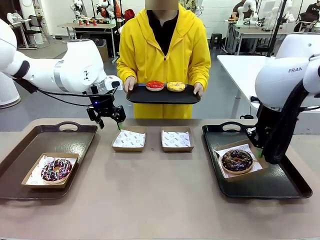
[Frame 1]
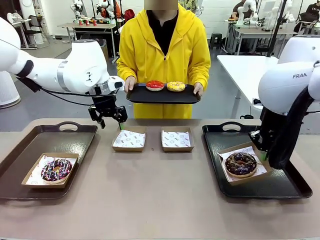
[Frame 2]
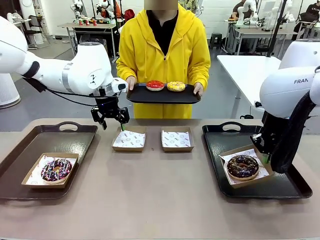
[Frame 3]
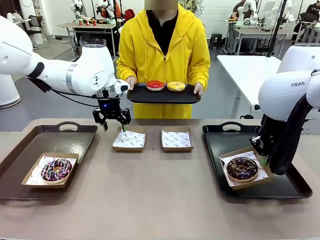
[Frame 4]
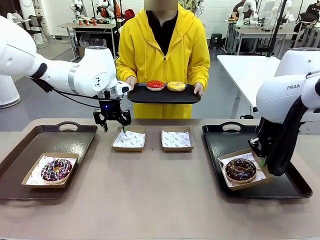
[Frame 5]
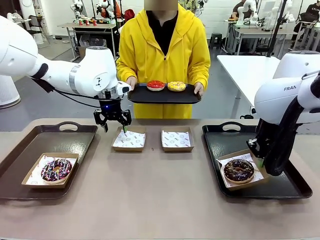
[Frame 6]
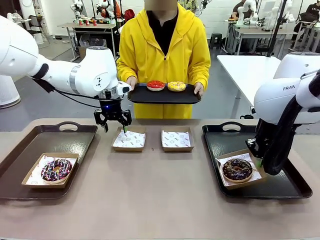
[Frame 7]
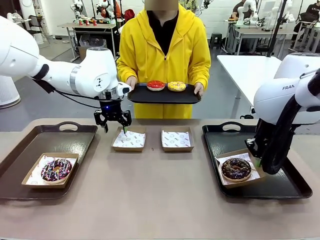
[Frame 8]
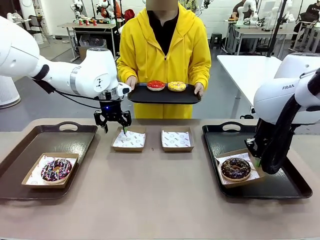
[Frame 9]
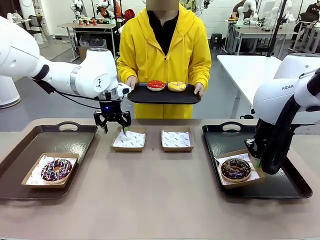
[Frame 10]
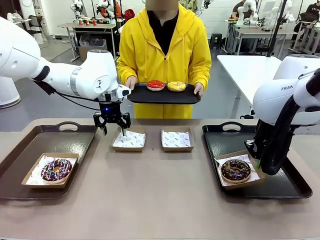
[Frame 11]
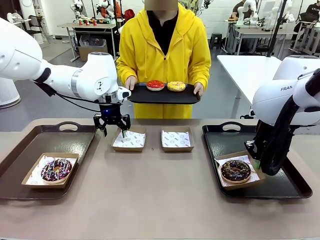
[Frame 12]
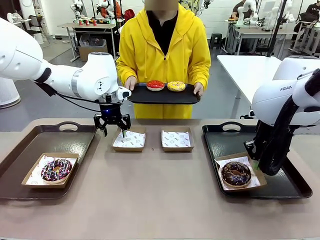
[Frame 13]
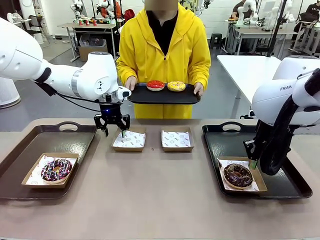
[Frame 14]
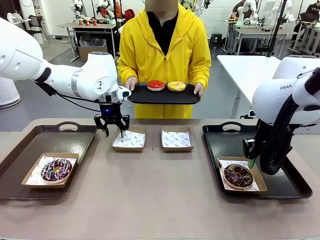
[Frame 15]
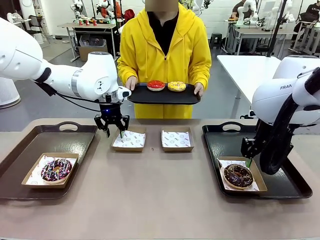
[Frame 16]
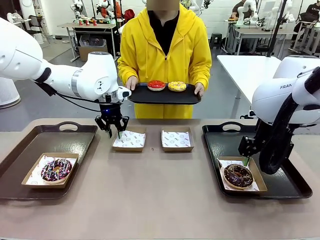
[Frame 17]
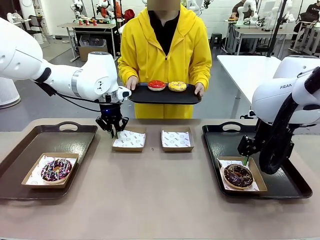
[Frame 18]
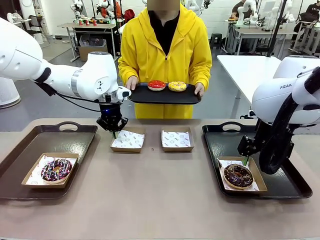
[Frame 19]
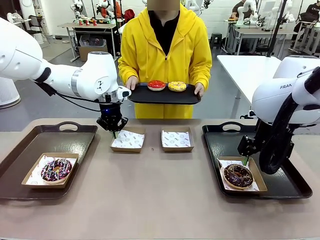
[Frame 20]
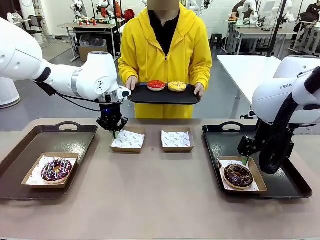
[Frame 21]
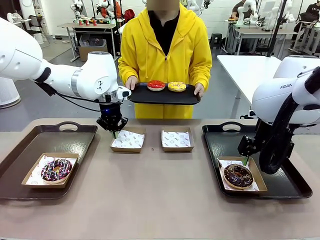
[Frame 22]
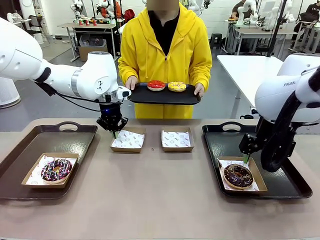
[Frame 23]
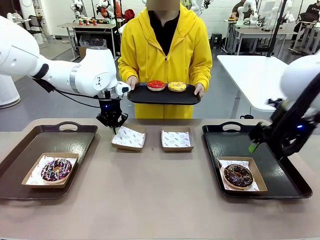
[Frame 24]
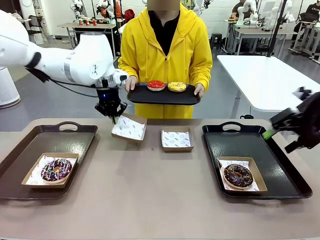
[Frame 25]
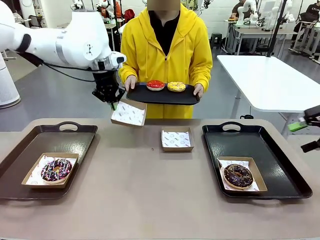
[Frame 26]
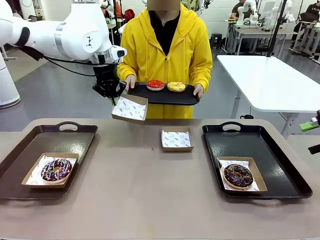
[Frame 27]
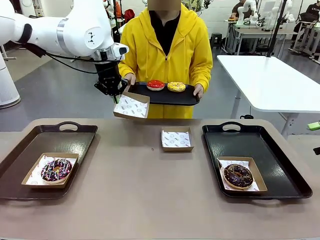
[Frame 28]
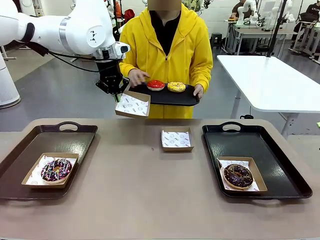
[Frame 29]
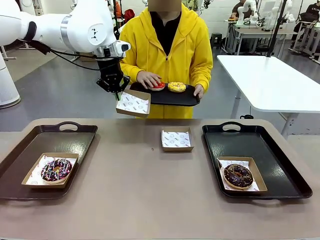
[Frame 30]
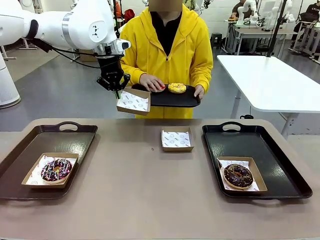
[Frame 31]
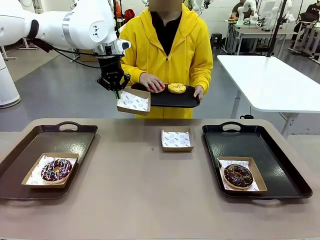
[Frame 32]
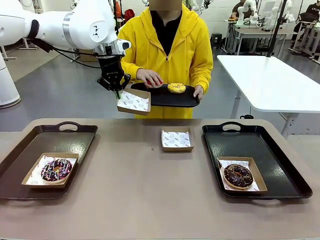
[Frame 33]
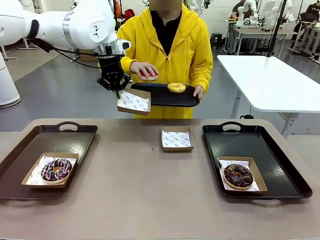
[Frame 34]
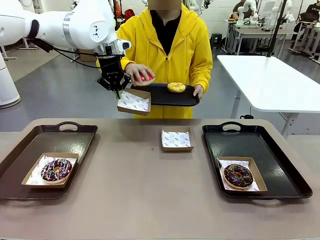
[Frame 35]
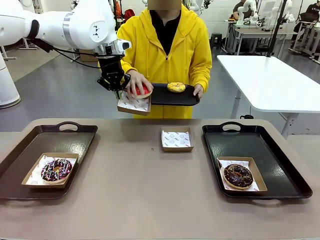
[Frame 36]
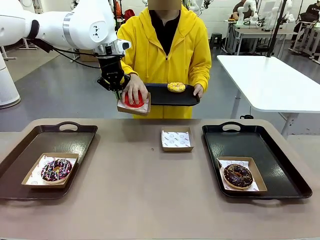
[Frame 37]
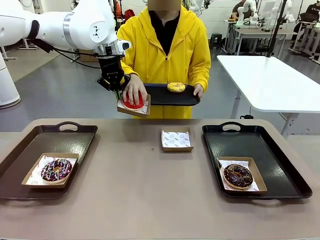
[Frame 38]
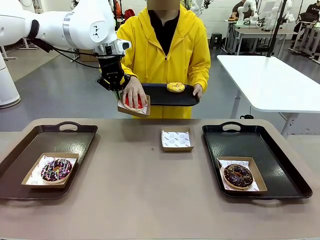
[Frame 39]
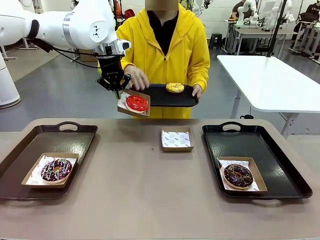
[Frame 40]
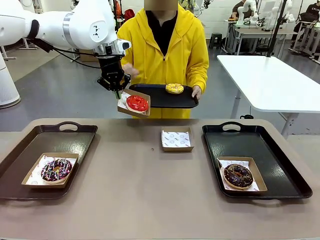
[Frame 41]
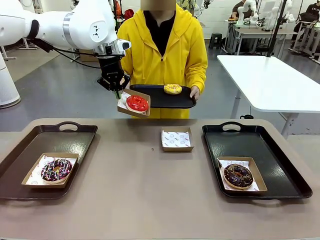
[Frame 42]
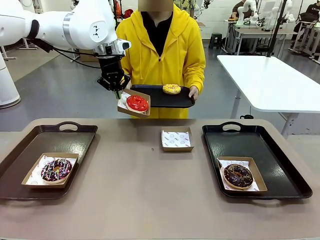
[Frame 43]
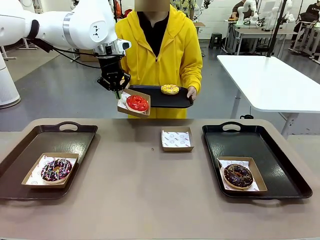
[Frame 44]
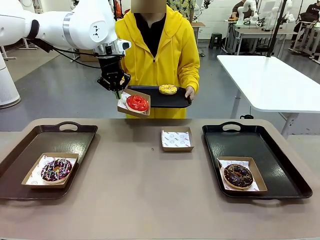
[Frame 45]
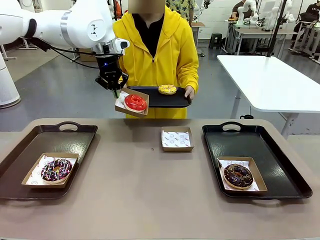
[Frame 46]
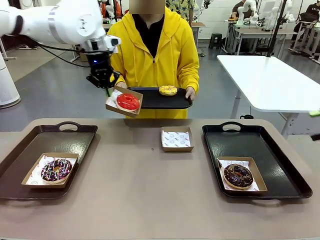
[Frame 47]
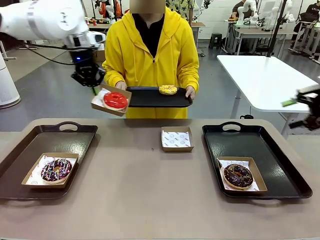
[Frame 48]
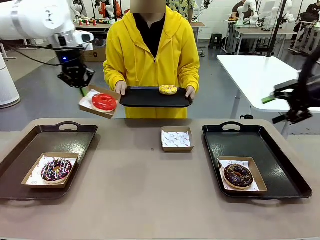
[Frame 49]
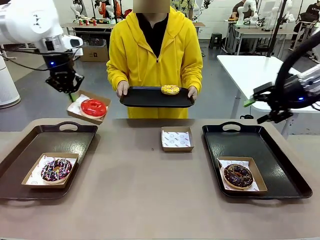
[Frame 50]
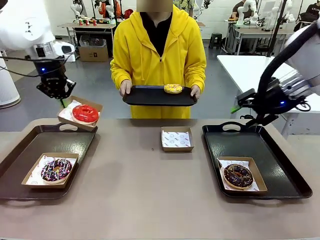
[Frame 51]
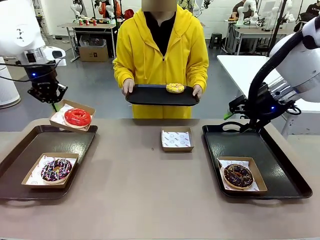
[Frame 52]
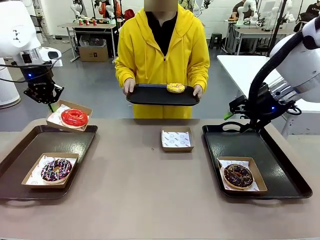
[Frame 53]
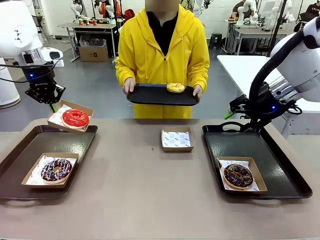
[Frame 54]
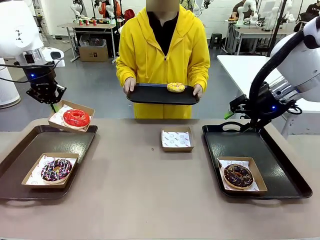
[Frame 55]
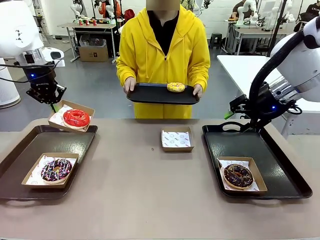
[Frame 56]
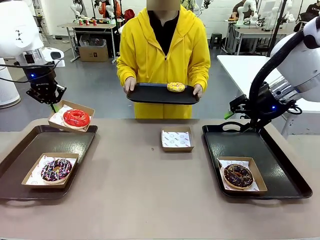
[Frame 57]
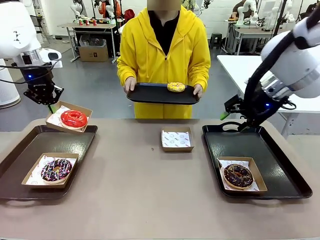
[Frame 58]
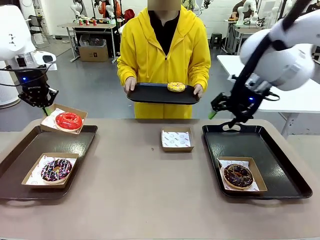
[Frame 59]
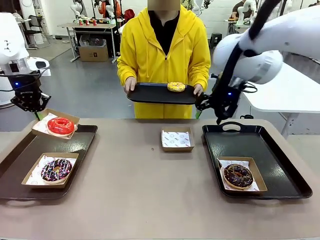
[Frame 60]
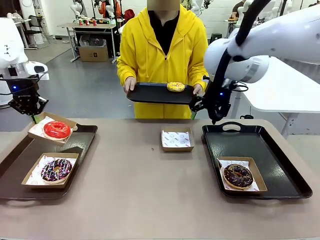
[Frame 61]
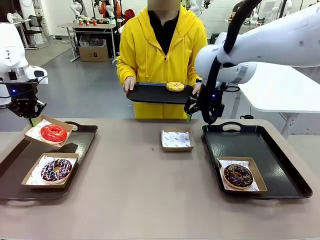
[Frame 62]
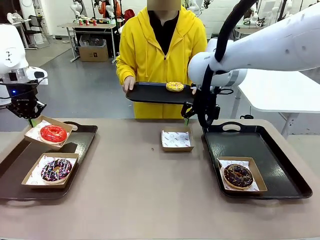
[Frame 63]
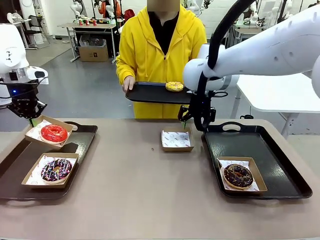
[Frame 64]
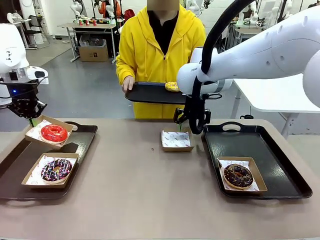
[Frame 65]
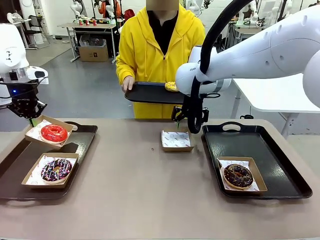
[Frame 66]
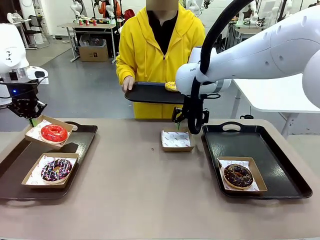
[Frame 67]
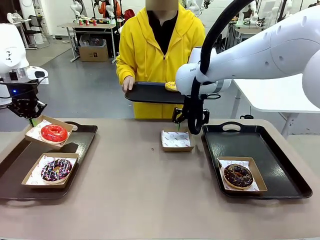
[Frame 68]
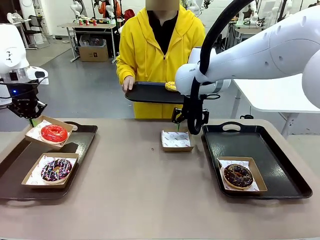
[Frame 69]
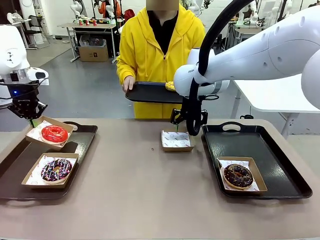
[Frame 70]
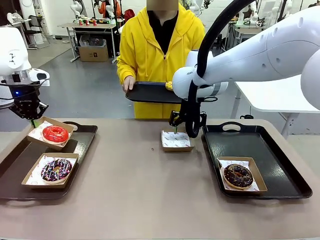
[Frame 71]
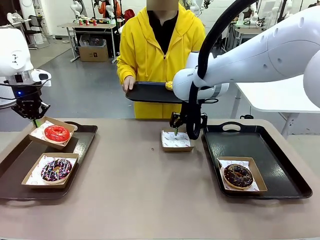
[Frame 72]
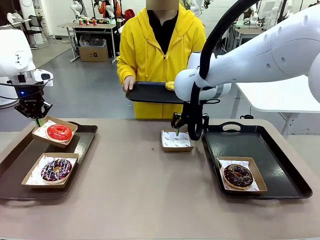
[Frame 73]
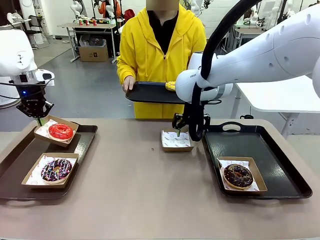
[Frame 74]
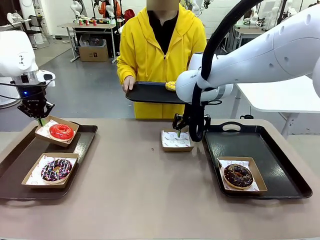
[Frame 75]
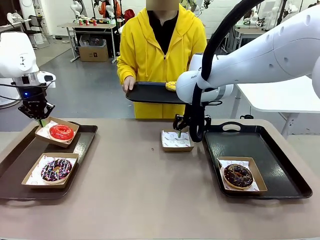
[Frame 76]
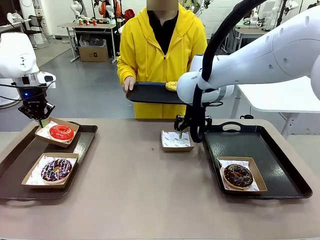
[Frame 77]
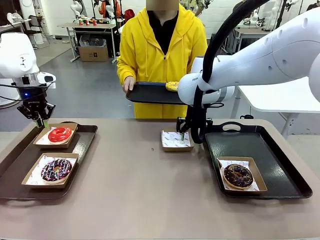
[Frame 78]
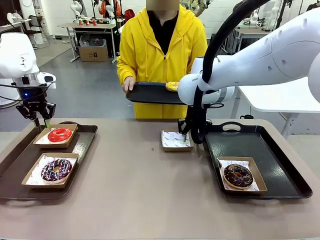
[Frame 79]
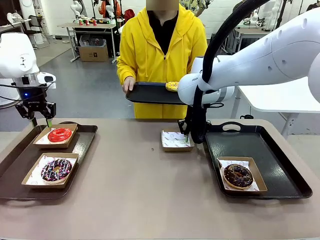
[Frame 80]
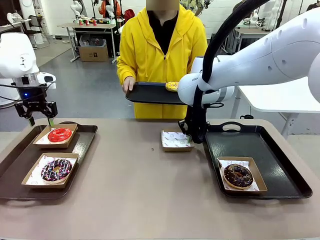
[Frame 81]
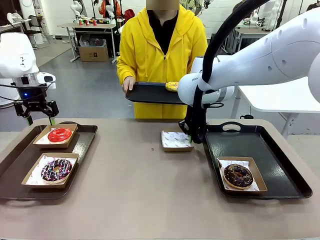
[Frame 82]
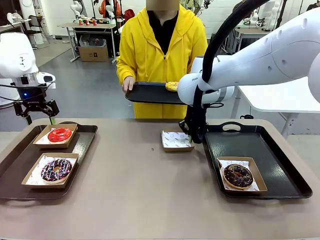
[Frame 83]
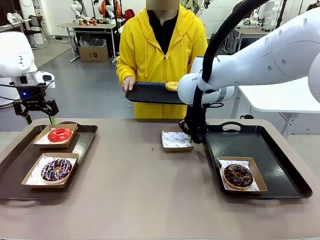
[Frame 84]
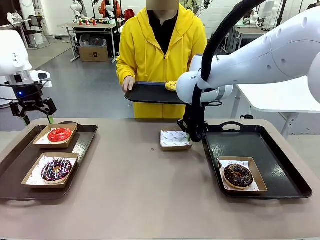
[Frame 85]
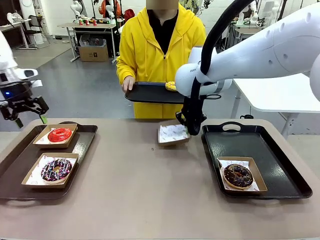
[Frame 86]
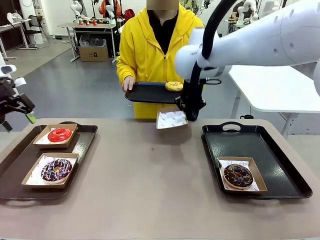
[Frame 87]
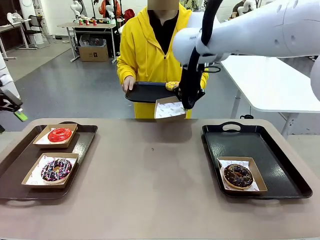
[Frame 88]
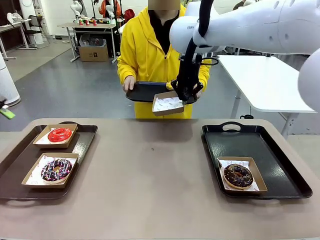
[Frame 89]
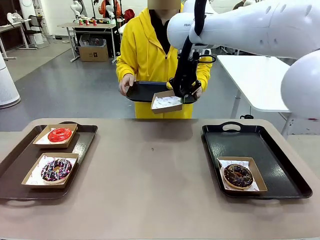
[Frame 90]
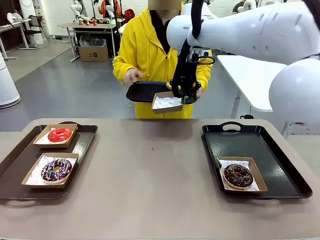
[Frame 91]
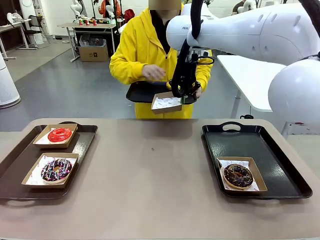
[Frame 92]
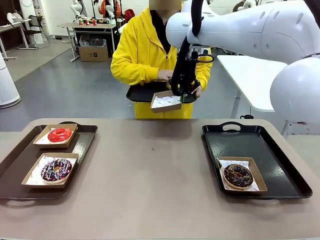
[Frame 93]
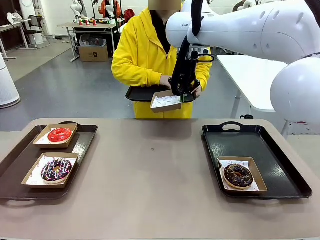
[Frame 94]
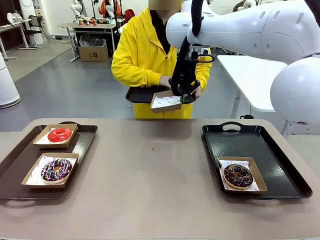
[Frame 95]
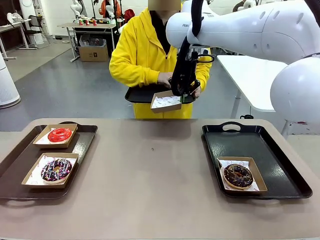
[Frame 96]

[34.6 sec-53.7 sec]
Task: Individually package the donuts and arrange them on the tray.
Robot: Place the picked Paper togo box on the Handle tray while simultaneously picking up another Paper togo box from the table with the other hand.
